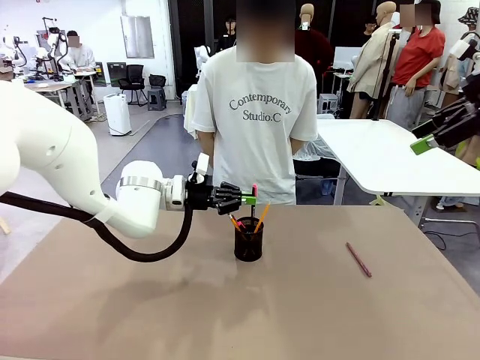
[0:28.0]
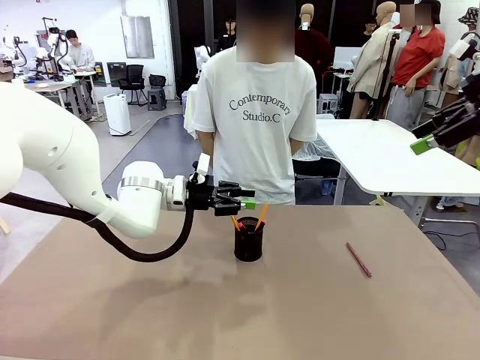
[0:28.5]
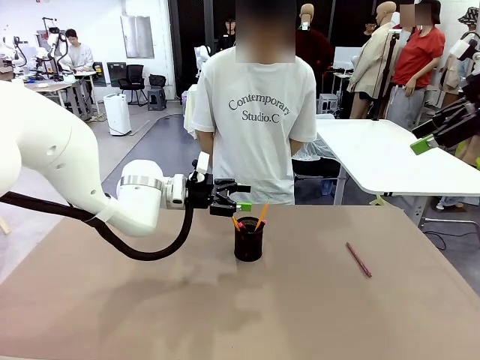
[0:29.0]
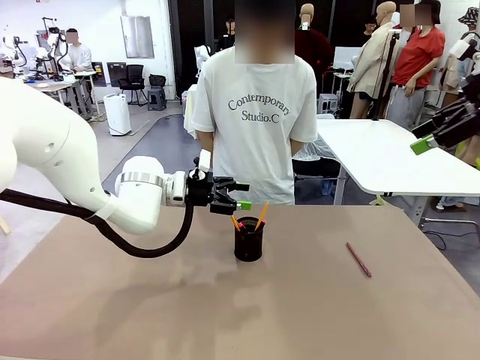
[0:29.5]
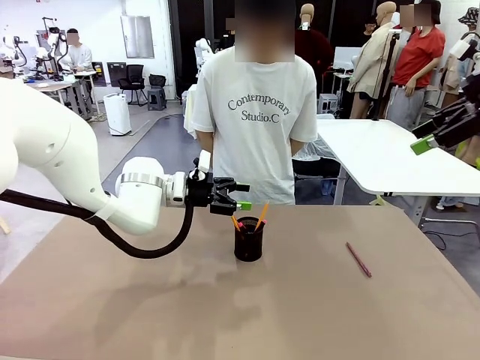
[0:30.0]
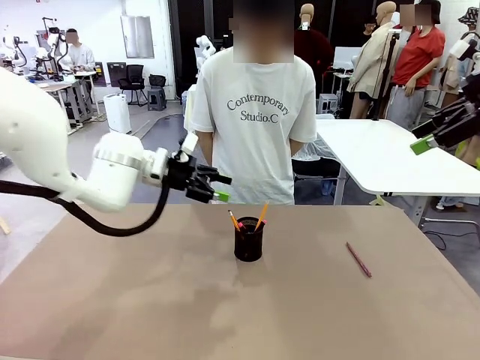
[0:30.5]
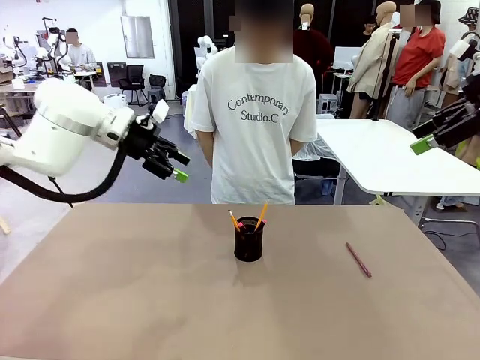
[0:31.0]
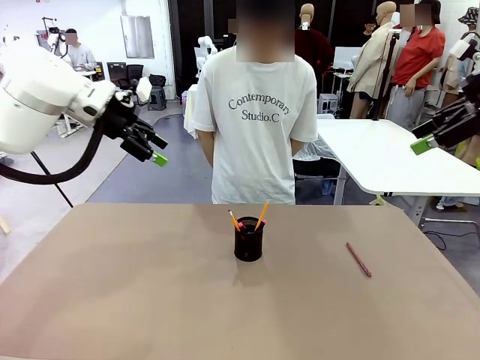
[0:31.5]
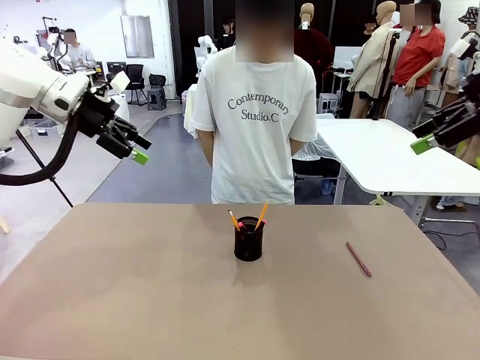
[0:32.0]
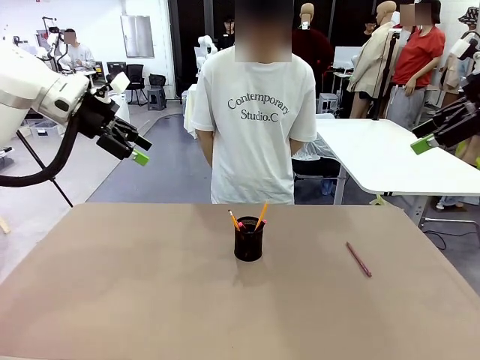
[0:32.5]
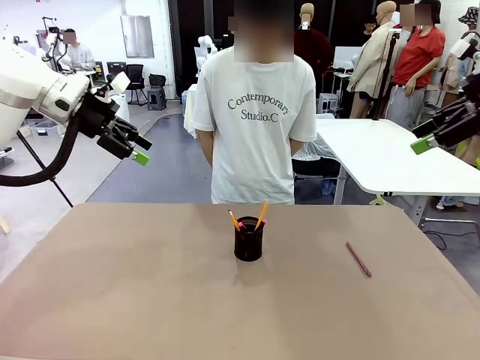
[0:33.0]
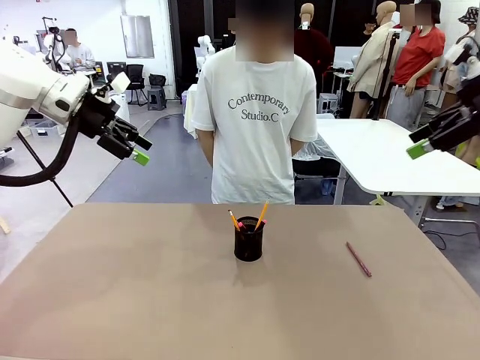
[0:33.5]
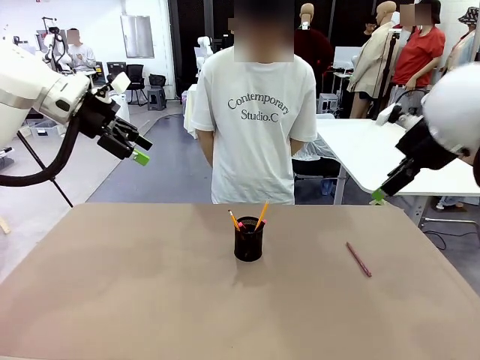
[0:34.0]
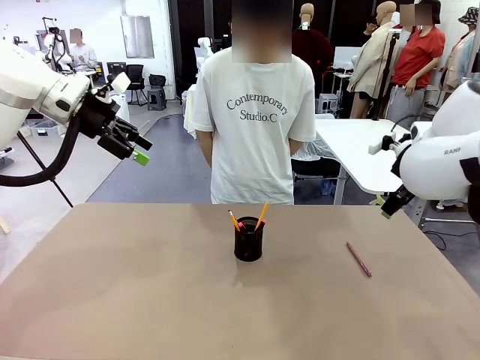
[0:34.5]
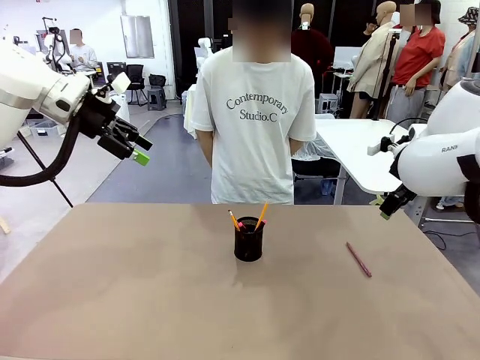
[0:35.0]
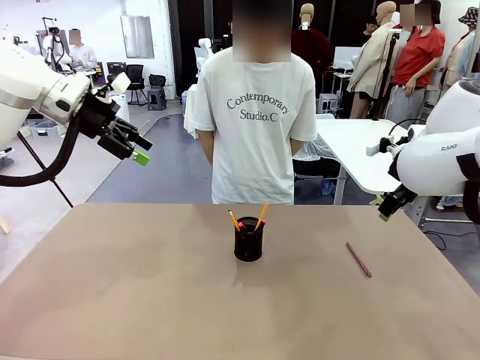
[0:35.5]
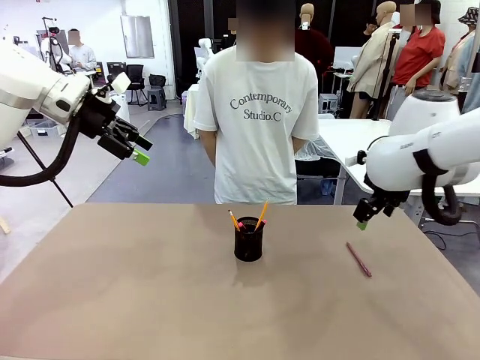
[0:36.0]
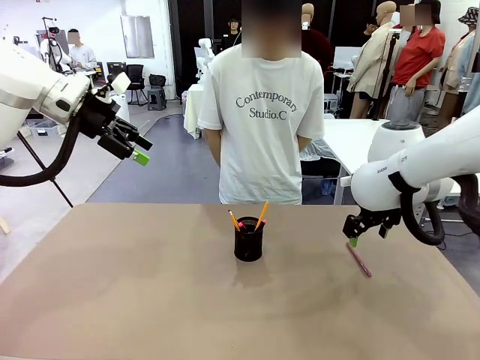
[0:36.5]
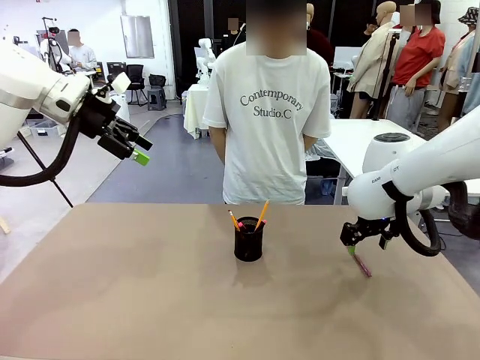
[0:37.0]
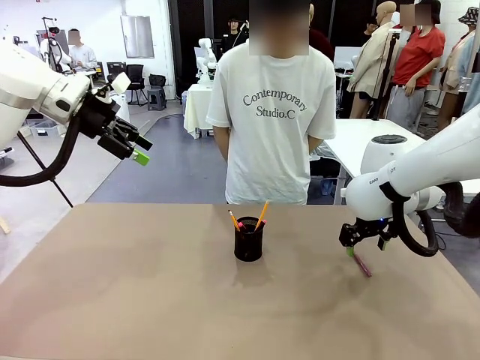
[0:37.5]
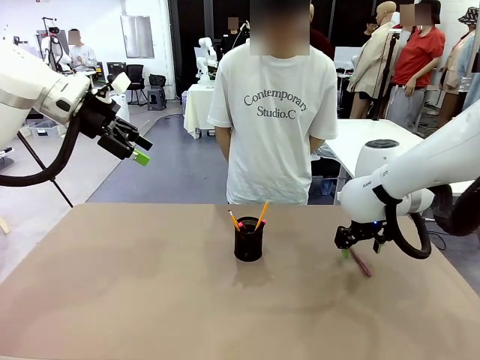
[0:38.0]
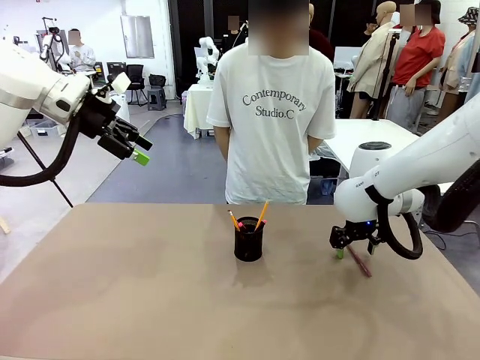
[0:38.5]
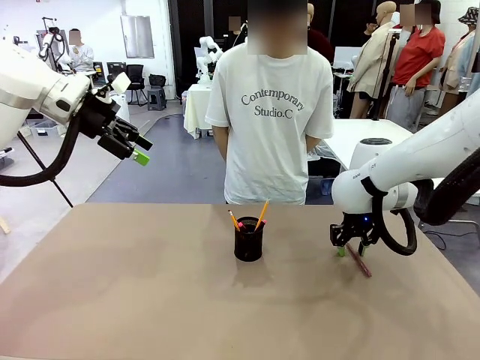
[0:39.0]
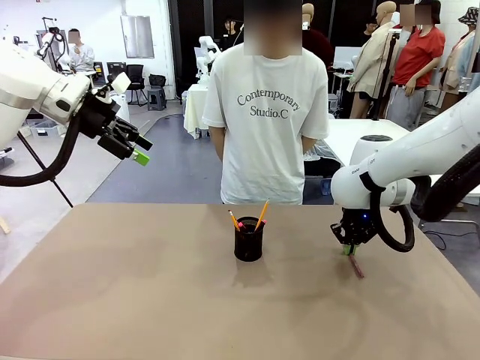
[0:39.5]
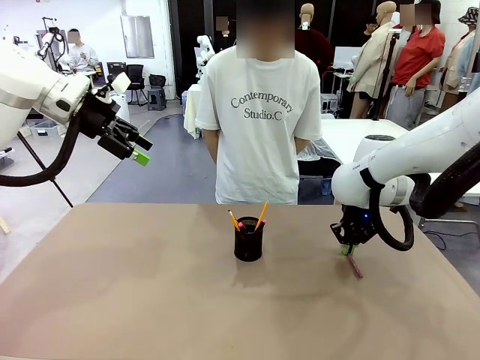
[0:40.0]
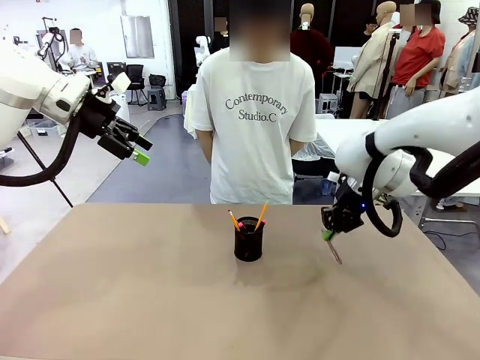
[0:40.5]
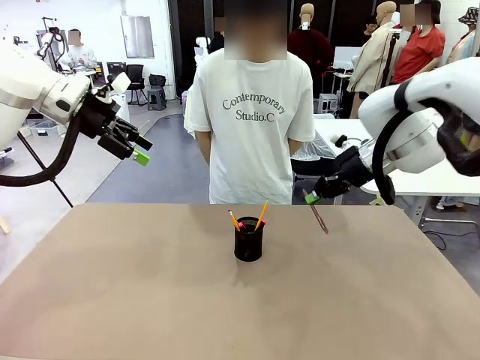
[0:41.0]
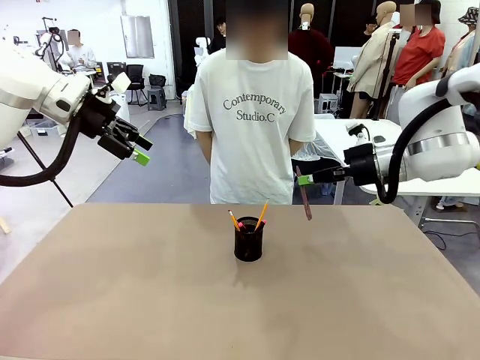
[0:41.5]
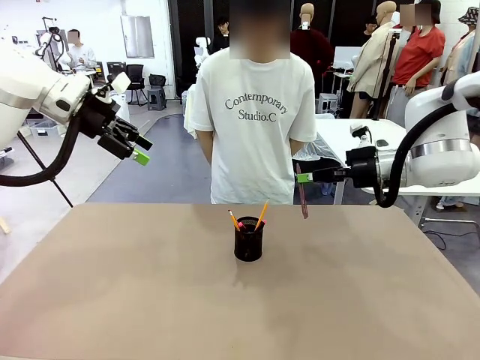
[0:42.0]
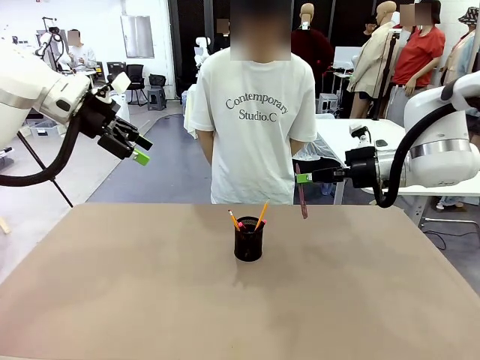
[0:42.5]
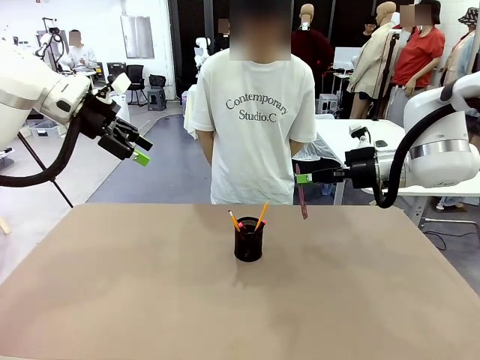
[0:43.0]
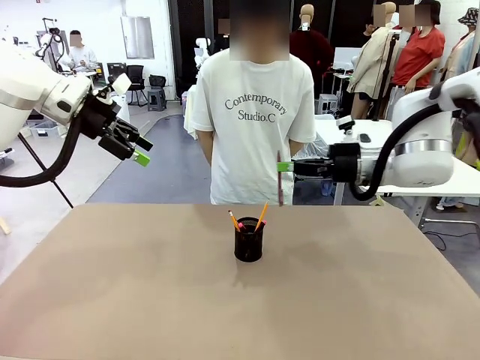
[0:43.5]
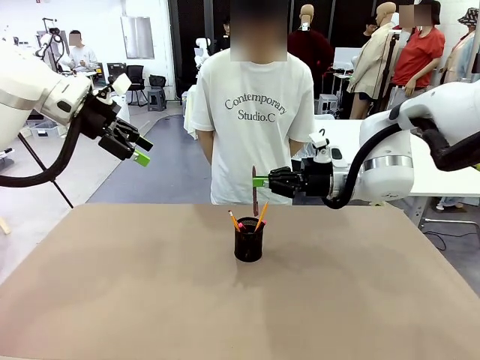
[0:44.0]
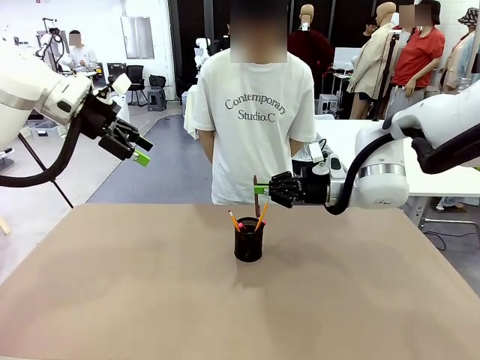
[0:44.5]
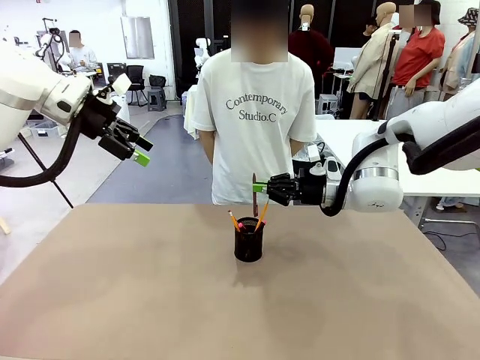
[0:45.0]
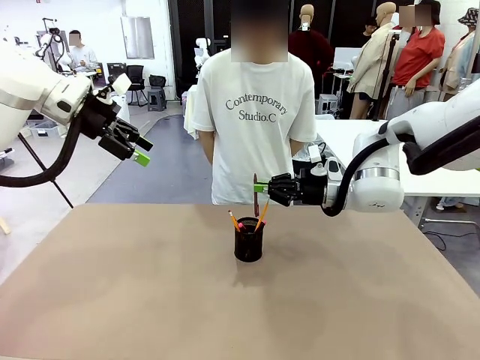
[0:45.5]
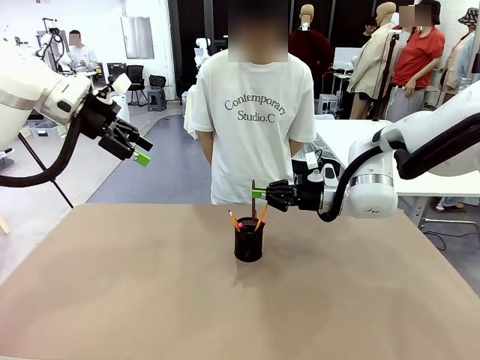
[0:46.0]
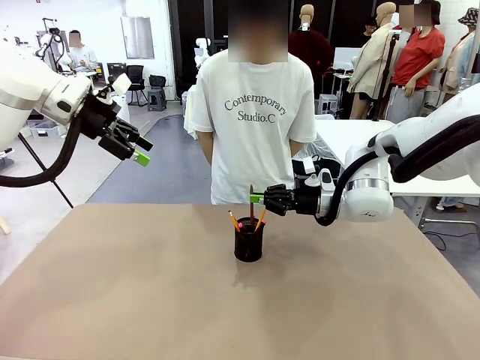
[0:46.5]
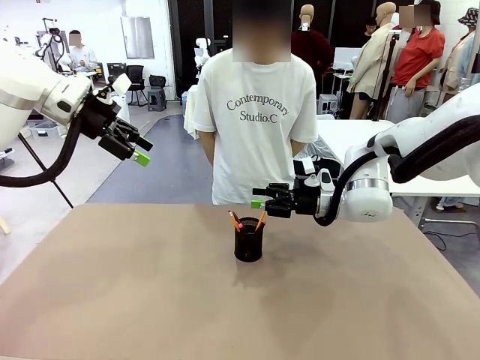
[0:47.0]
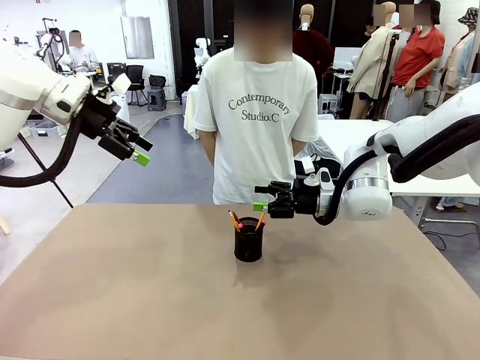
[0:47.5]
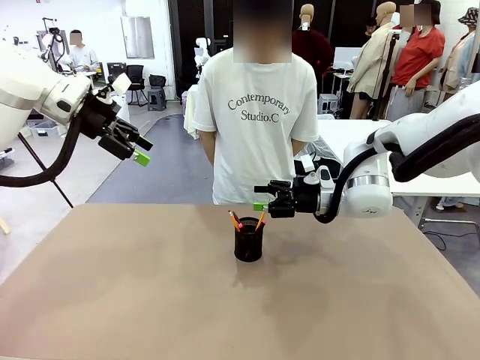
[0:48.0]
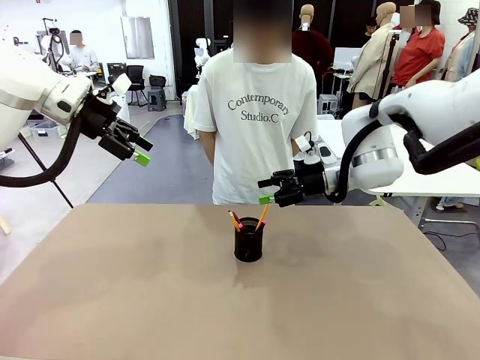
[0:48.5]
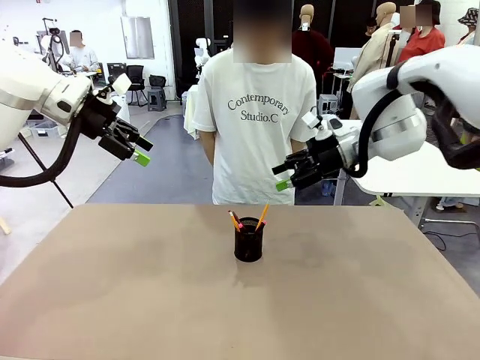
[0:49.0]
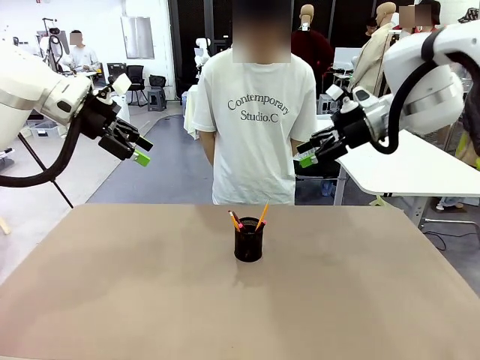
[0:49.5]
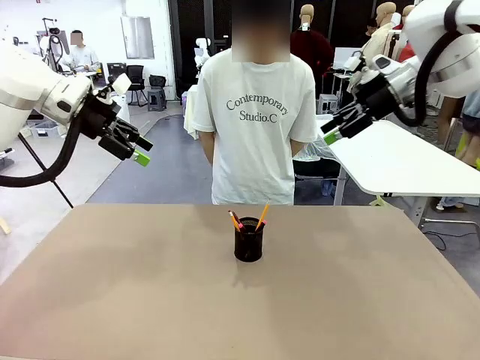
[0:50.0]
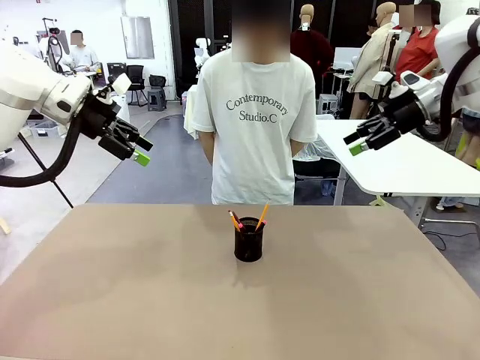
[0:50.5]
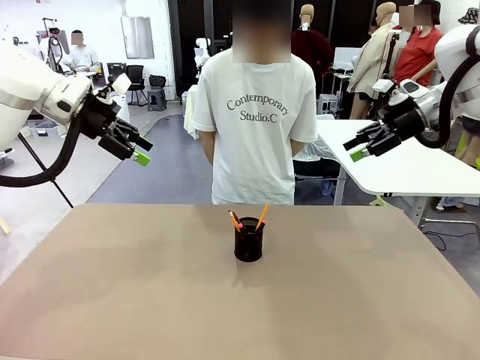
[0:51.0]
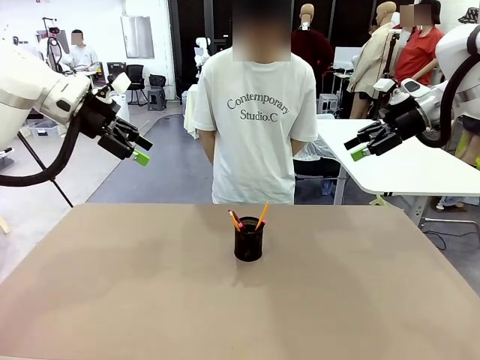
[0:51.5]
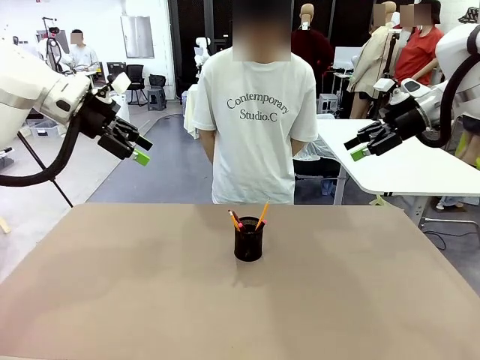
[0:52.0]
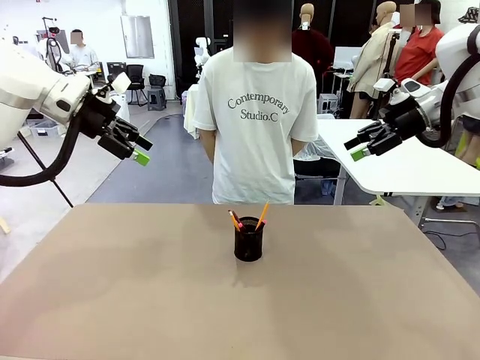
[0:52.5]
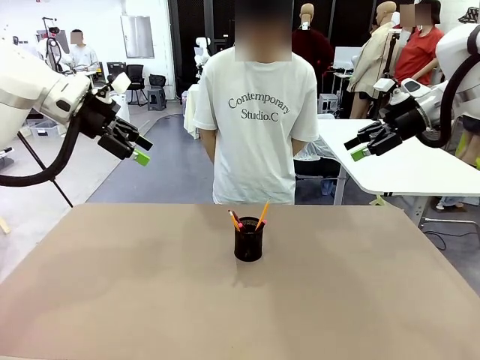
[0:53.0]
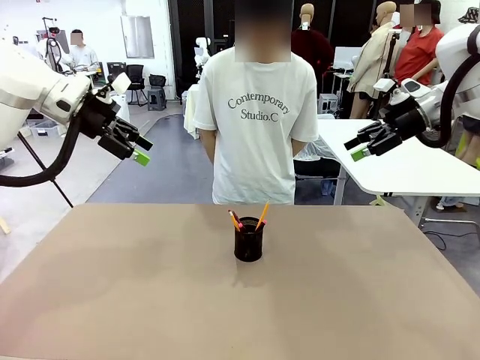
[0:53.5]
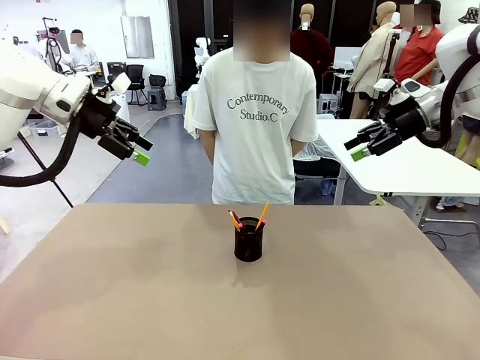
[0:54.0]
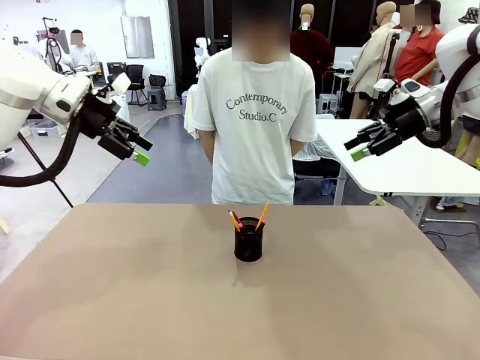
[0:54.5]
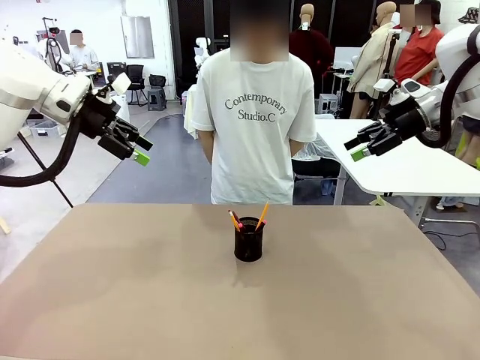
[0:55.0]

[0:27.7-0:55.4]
Task: Place the pens into the pen holder.
Robot: Pick up a writing instrument from the table and place it into the Pen holder.
Person: Place all writing instrument into the Pen holder.
